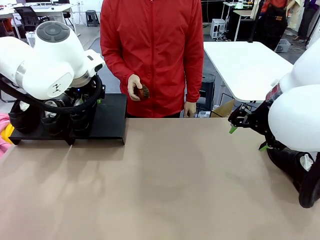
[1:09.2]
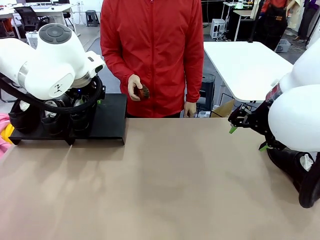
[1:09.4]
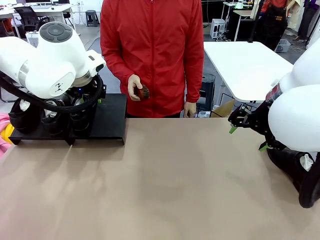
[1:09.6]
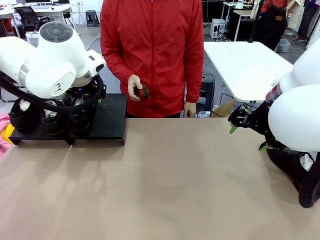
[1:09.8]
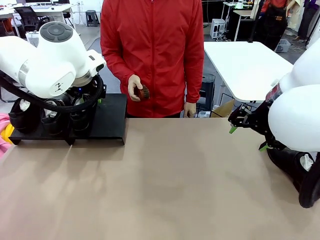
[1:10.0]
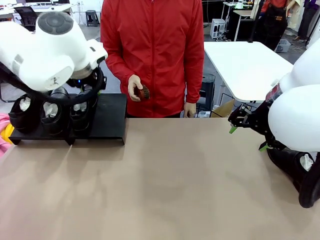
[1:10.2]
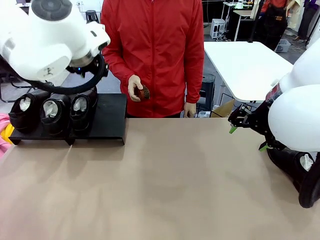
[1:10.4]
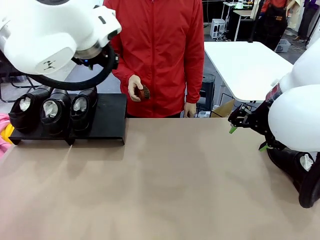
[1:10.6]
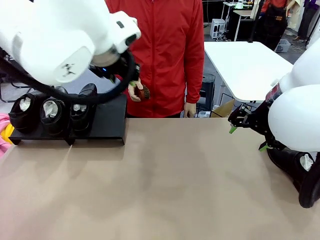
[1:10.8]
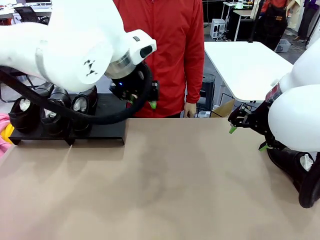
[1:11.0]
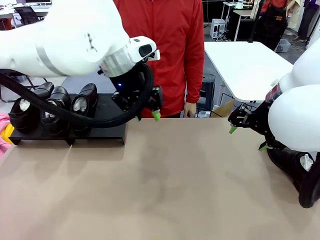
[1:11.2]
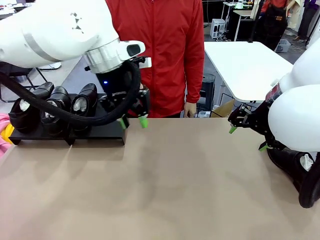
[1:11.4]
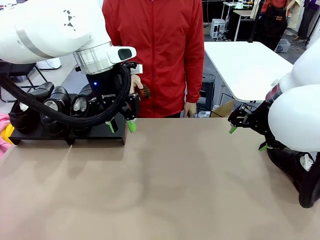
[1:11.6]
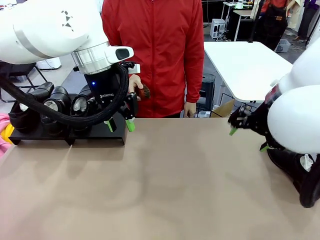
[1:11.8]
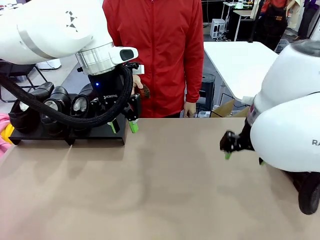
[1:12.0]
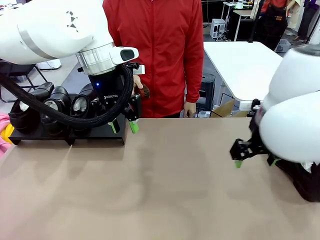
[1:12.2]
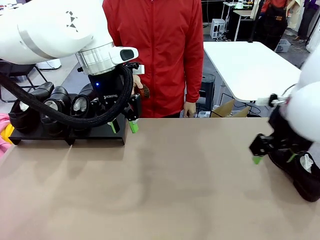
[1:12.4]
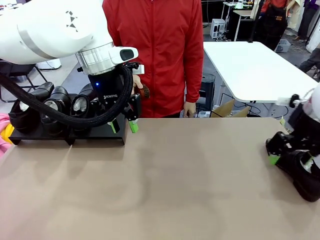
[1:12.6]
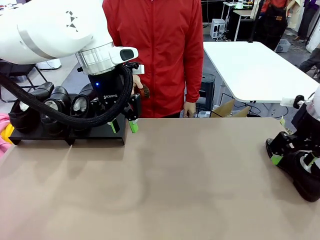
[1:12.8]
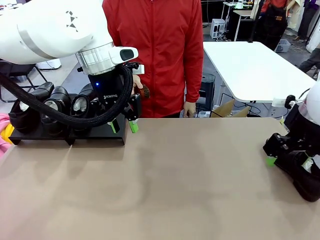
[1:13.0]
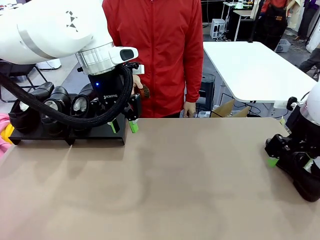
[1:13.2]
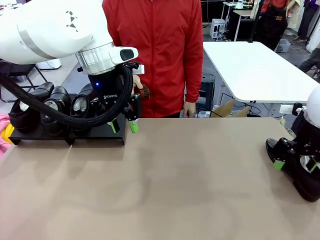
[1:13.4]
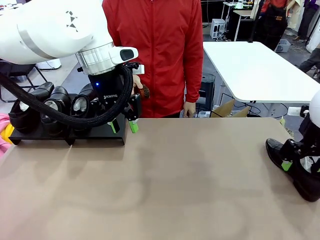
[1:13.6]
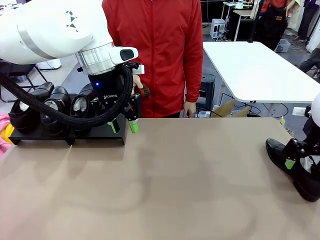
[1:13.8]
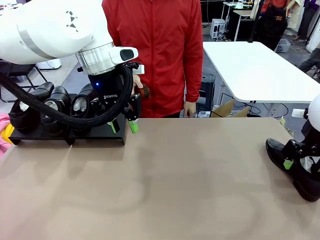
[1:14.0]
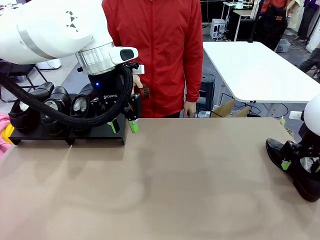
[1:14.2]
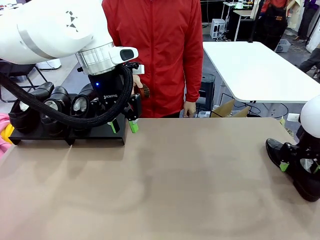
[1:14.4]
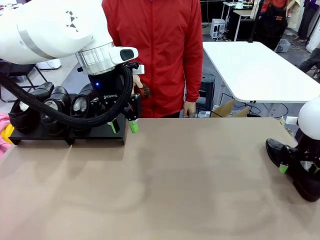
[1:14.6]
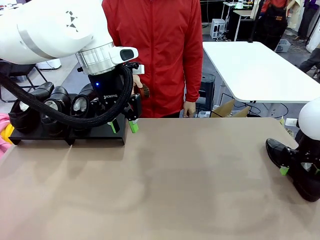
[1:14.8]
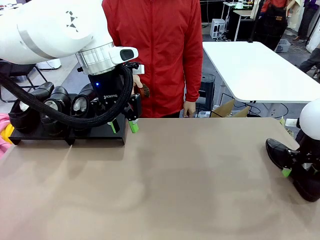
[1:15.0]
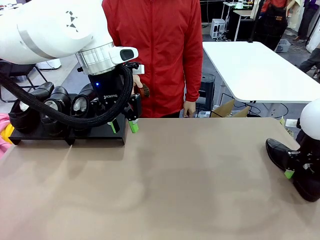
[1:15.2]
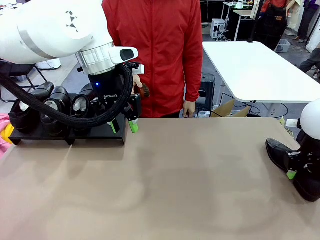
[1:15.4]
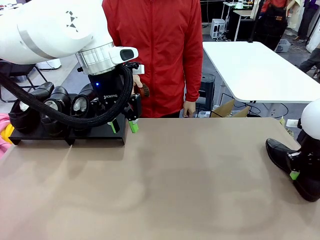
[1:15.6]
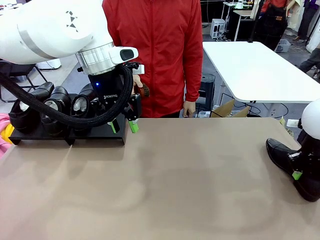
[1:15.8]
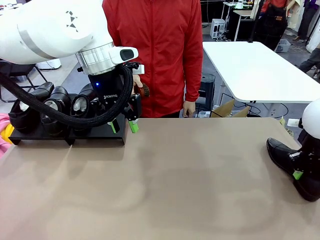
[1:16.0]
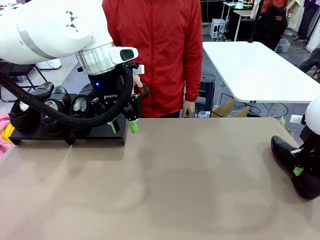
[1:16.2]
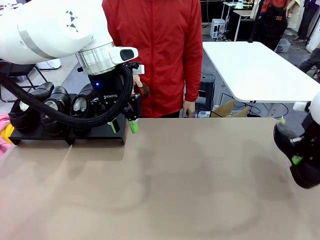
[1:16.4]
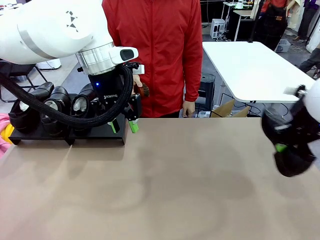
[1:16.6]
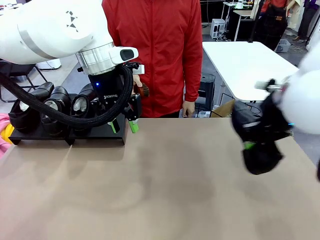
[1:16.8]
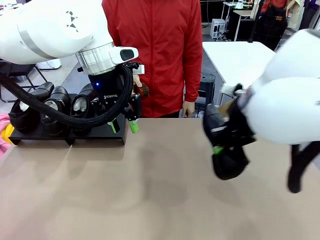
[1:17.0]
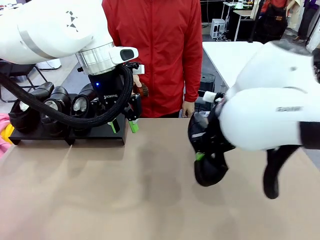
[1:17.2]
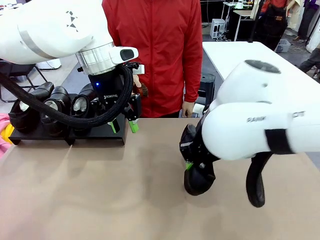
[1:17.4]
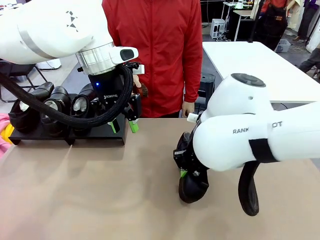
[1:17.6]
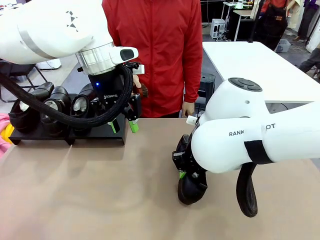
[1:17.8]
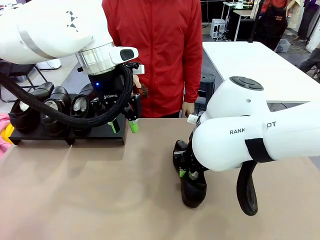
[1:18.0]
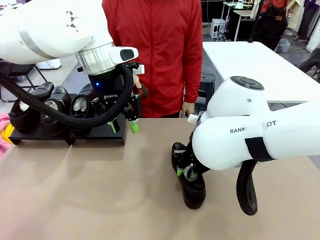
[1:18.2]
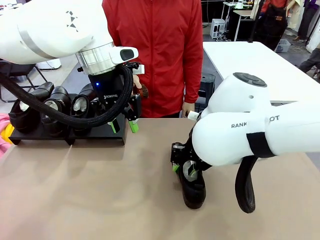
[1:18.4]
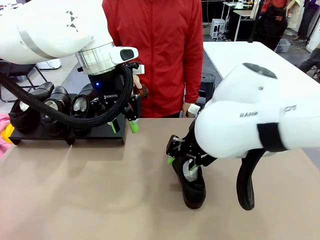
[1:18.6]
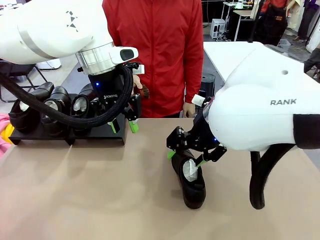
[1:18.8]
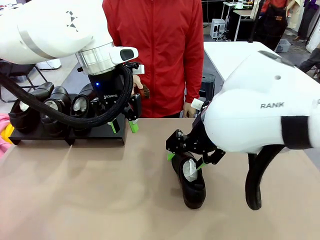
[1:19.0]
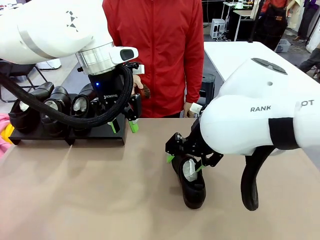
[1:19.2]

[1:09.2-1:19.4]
Task: Organize the shoes by placing them on the stand.
Robot: Pick up one Shoe and place it in the middle of the table.

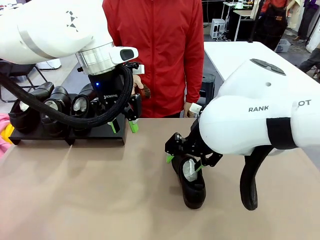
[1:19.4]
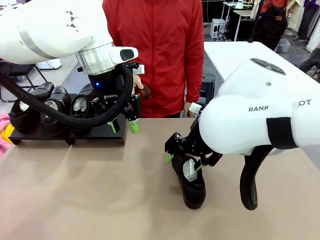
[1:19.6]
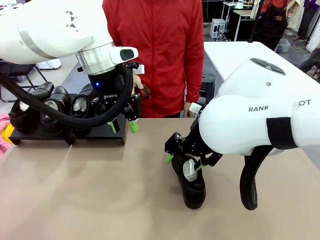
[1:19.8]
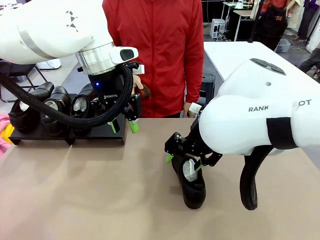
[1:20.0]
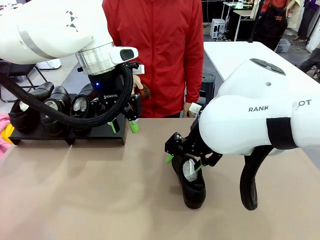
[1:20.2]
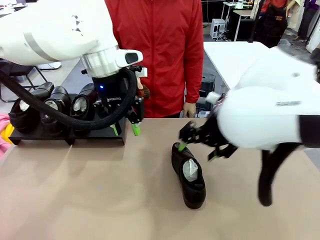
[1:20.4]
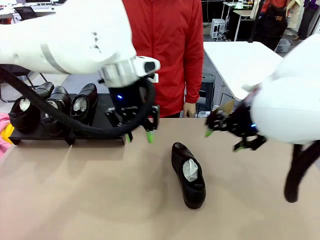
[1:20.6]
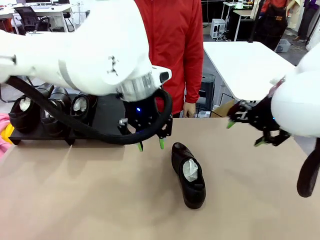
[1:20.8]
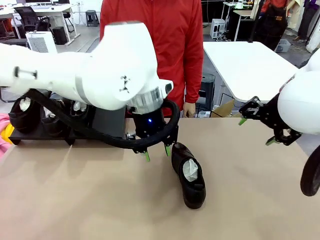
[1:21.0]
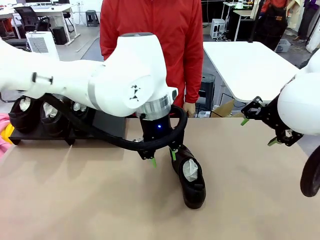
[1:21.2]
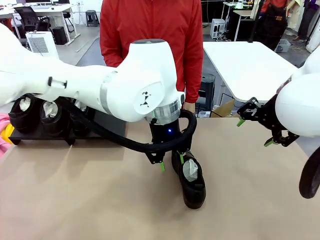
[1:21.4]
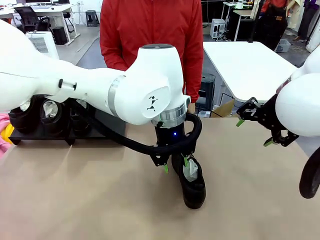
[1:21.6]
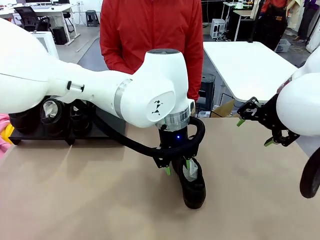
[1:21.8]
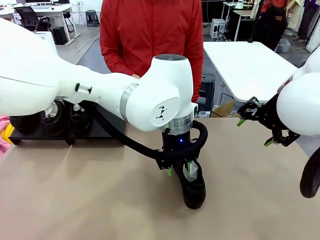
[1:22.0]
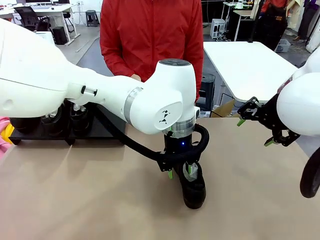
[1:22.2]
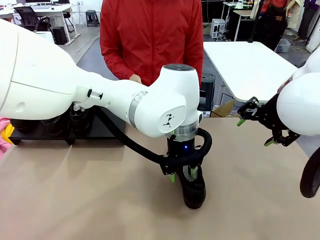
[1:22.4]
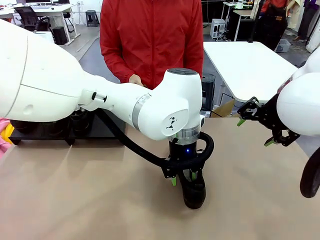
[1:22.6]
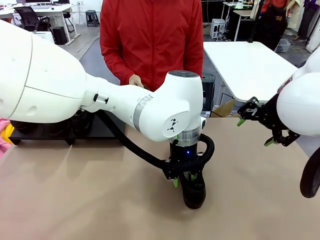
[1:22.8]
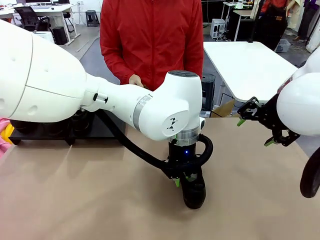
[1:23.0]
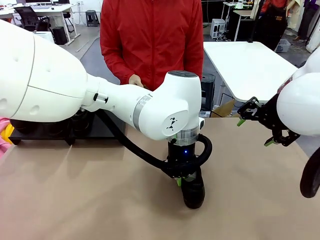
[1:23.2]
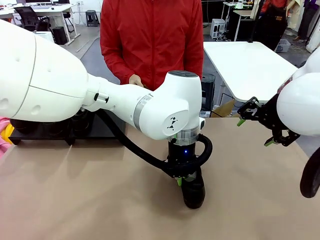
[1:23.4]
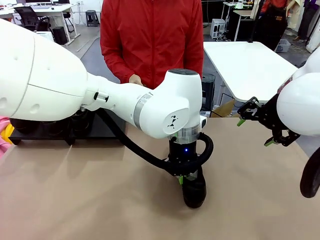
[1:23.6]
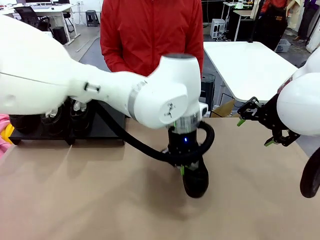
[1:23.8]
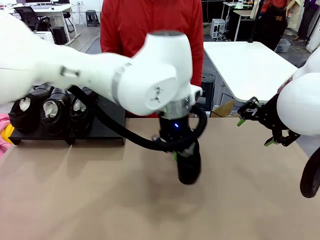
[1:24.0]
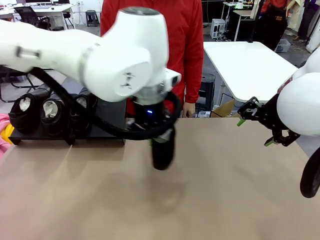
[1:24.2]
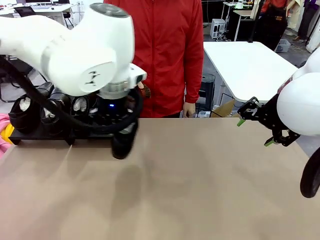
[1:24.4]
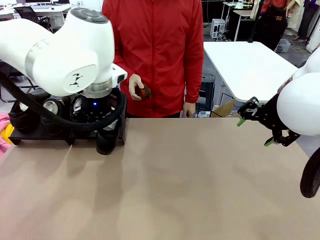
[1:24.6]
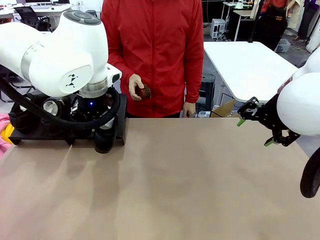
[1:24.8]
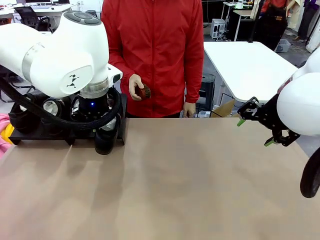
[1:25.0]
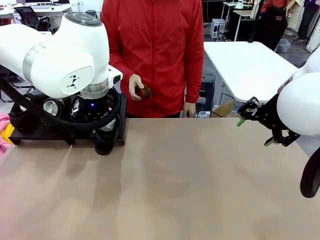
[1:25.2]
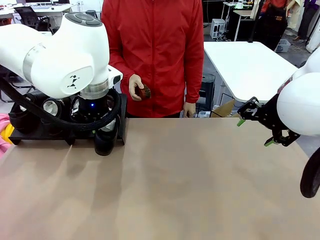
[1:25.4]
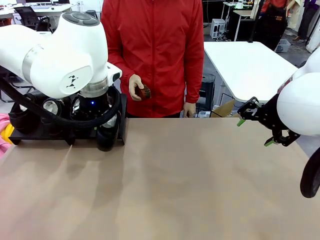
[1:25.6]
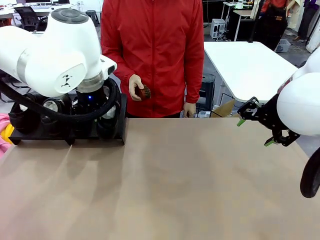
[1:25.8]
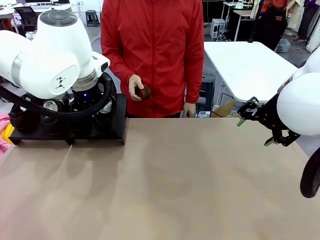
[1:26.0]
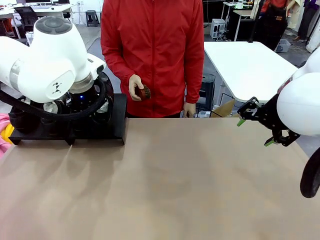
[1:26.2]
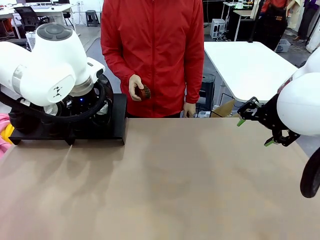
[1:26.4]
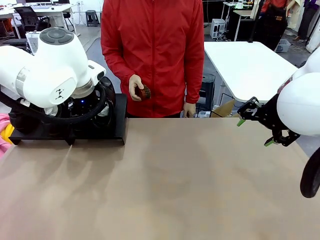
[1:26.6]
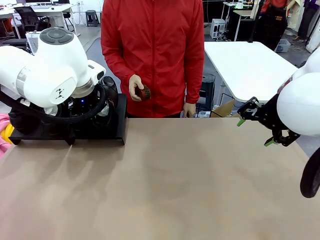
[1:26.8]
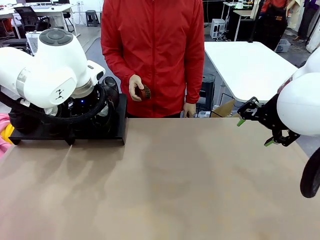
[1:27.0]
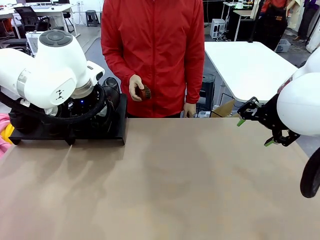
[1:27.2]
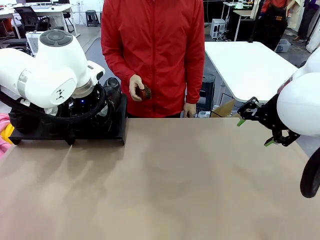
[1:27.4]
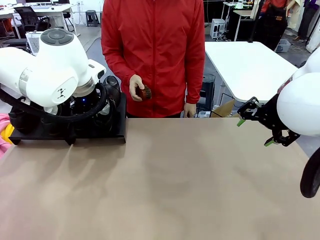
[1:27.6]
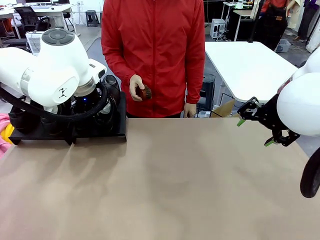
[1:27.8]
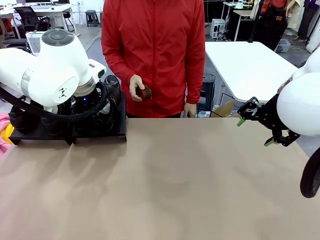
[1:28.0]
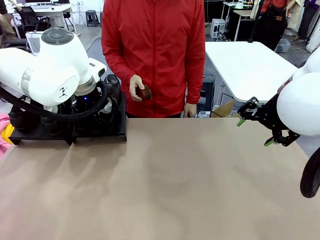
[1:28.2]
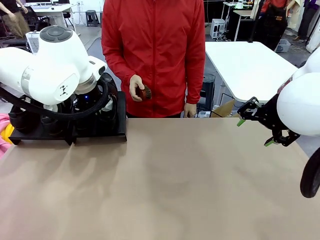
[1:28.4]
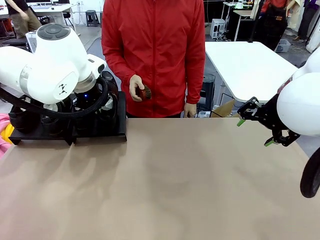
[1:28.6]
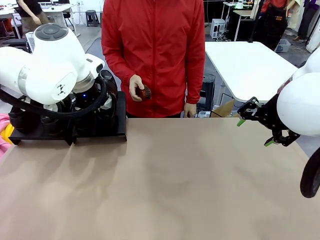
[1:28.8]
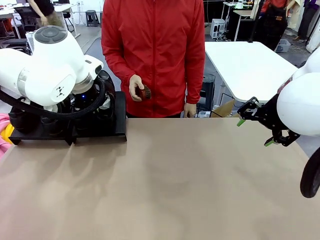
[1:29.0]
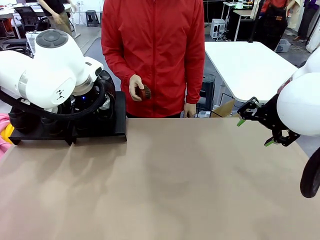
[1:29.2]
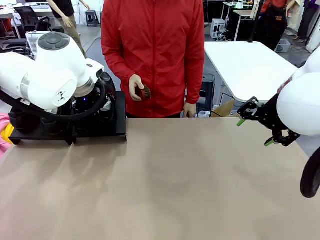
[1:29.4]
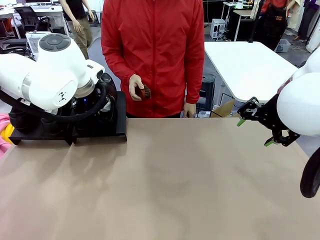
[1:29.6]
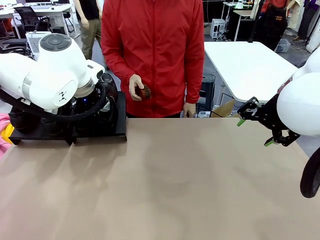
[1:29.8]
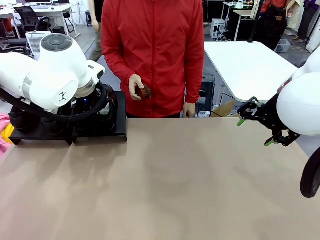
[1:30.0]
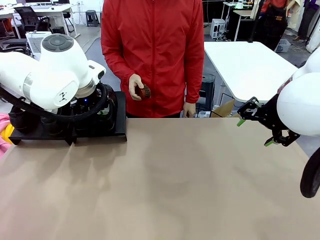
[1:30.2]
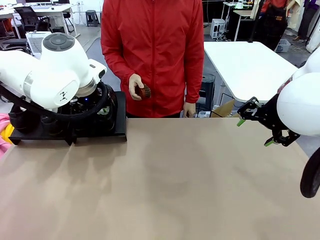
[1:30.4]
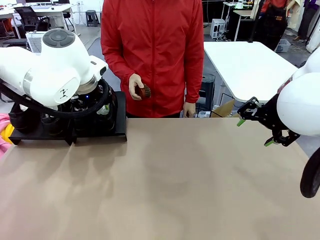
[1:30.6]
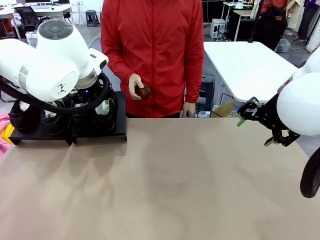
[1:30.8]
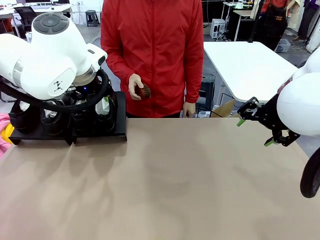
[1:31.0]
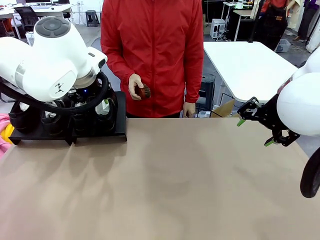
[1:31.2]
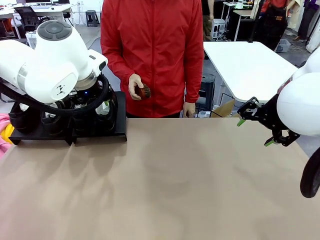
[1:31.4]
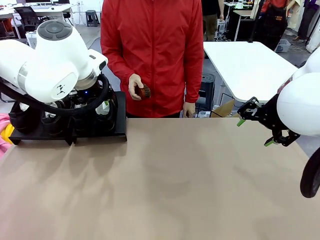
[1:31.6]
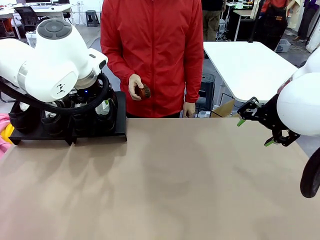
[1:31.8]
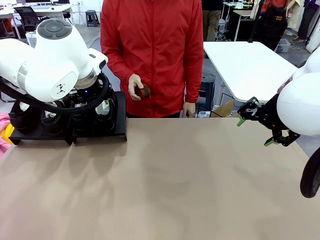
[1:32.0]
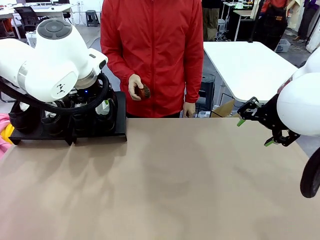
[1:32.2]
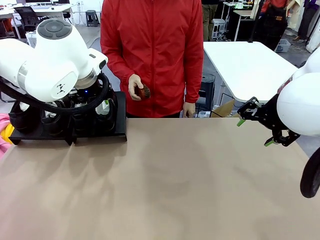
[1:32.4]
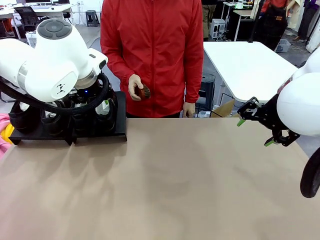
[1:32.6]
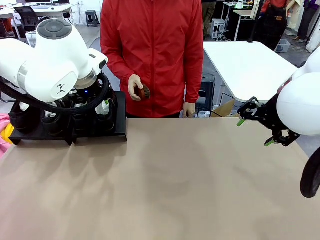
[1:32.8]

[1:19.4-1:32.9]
Robot: Place the Shoe from the middle of the table onto the Shoes Stand.
